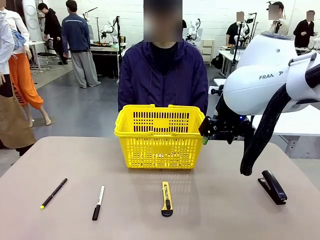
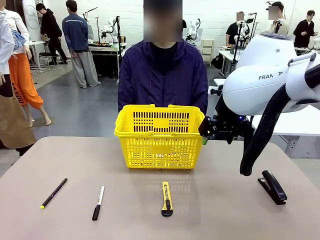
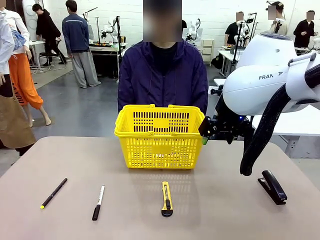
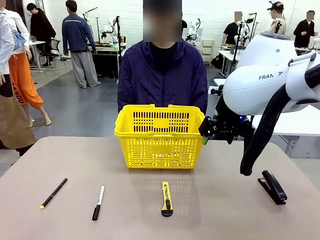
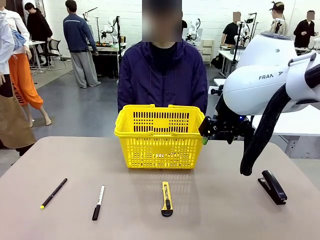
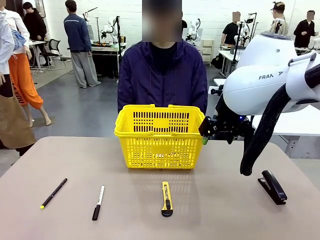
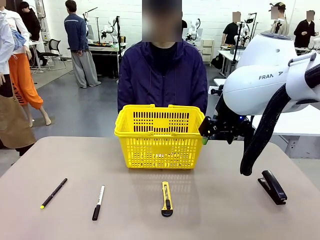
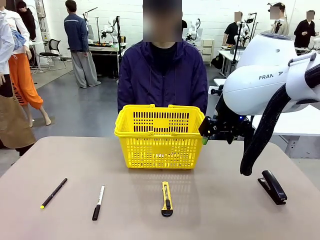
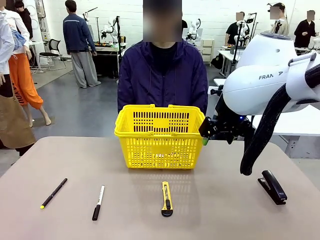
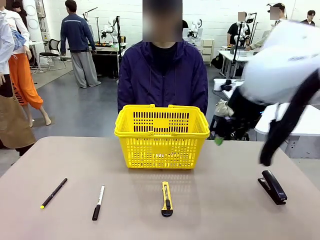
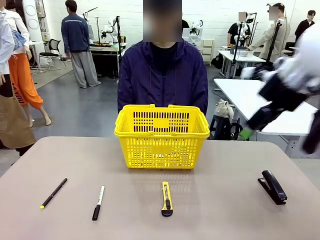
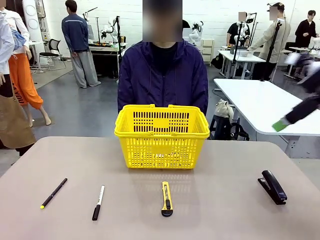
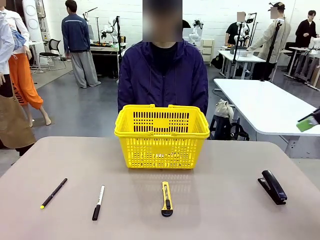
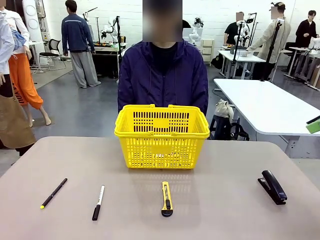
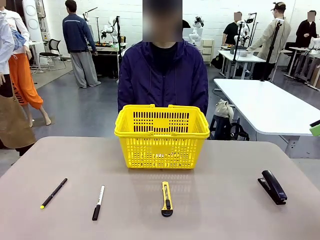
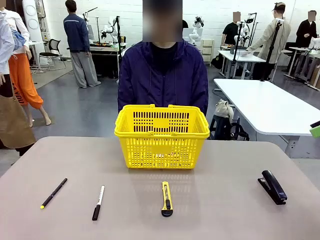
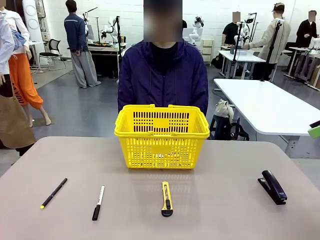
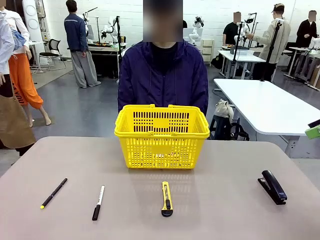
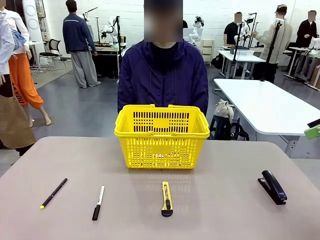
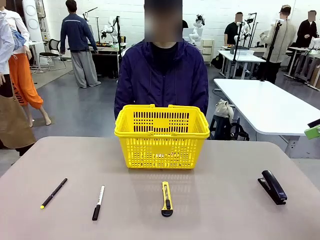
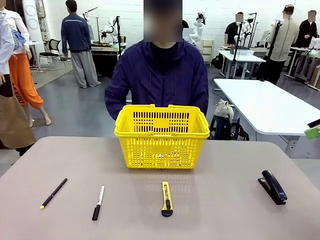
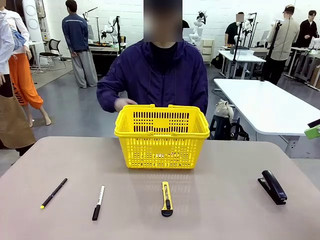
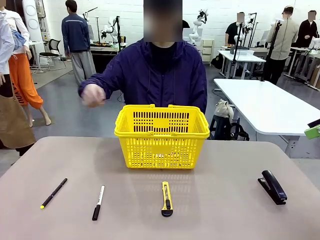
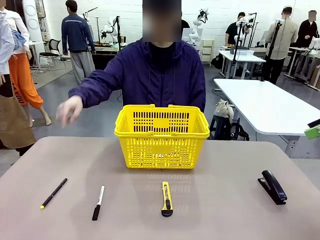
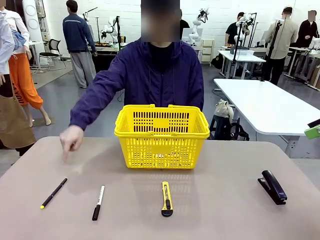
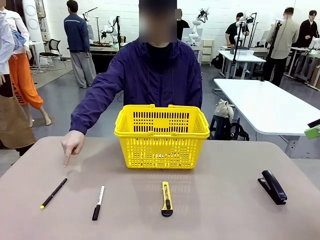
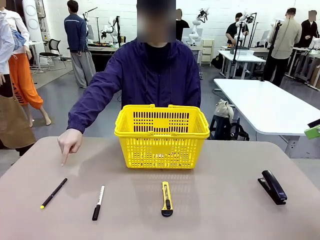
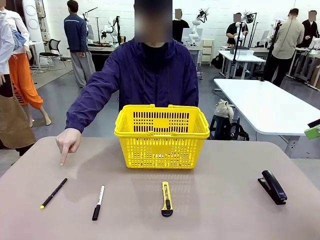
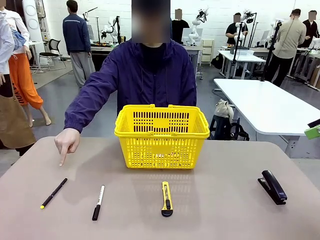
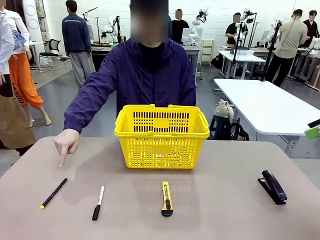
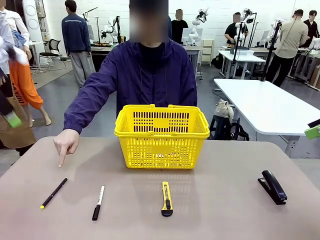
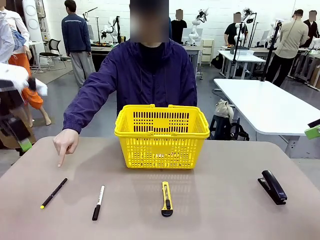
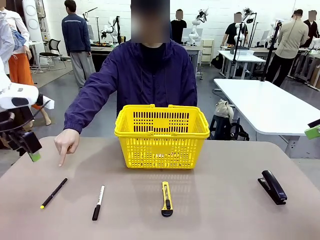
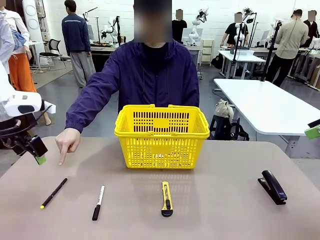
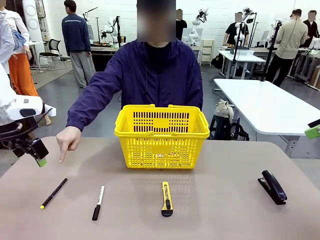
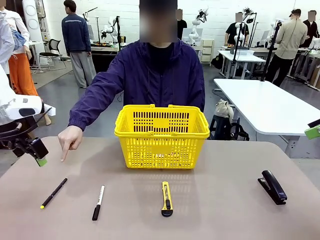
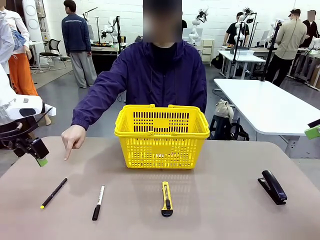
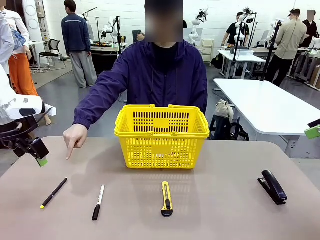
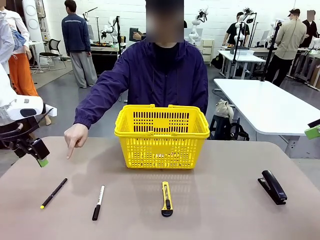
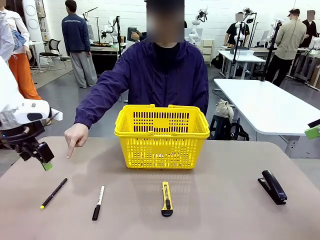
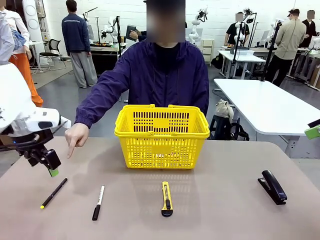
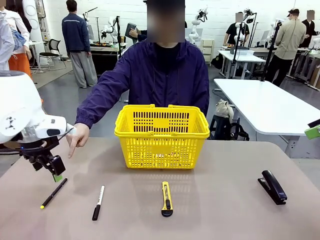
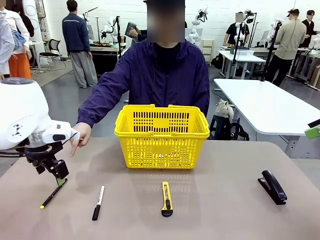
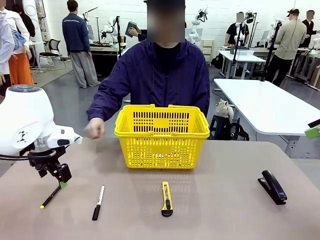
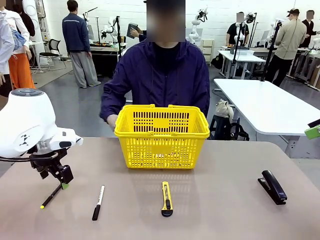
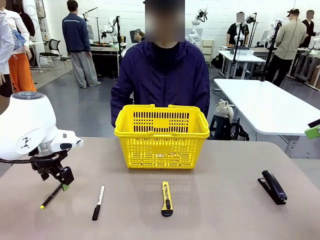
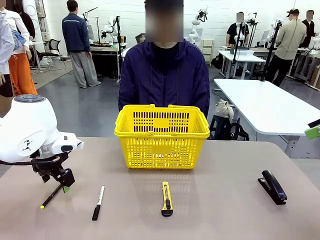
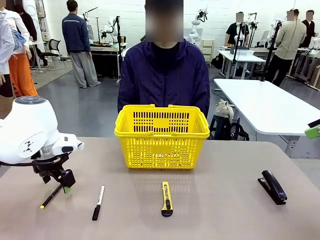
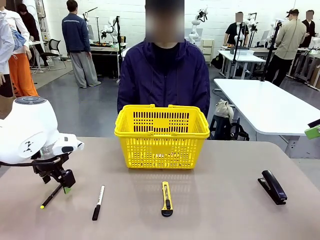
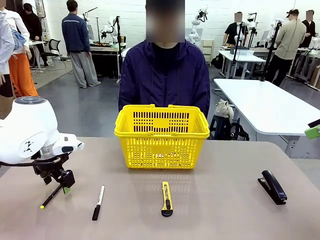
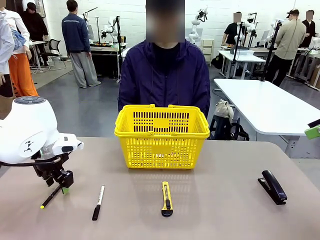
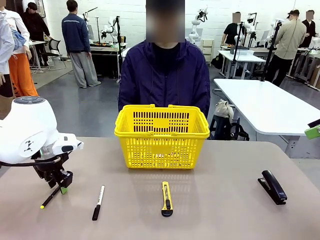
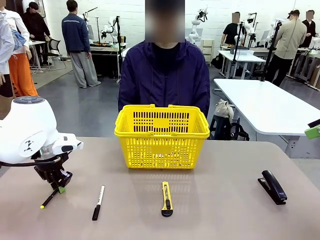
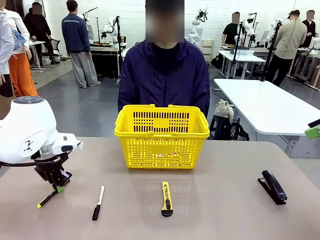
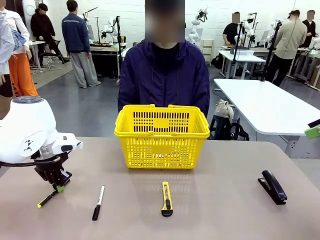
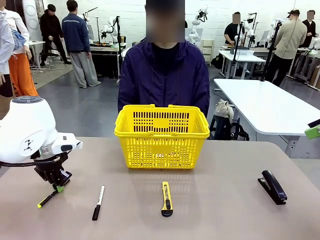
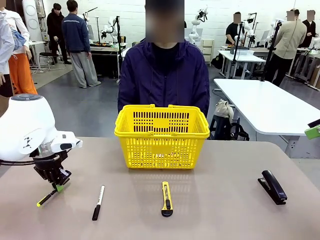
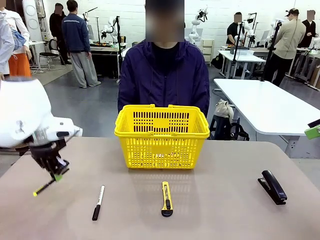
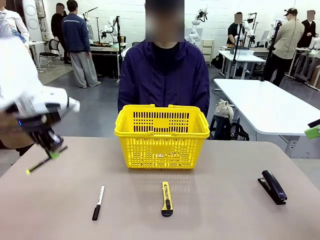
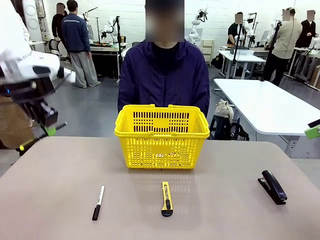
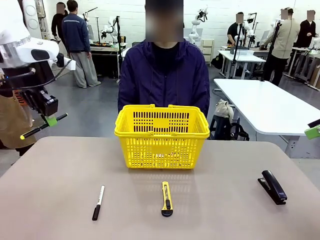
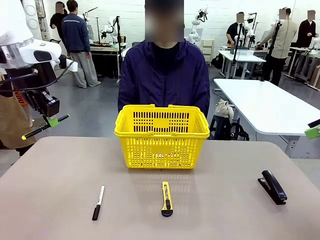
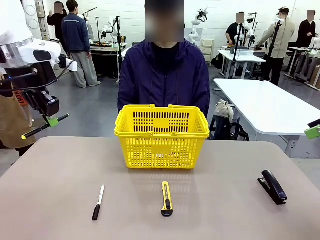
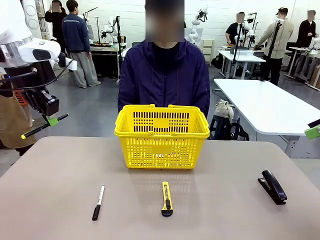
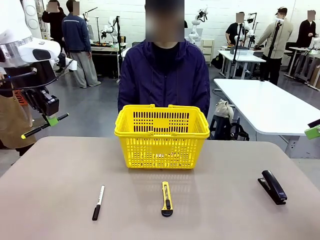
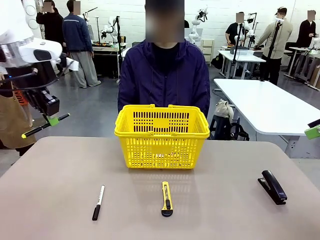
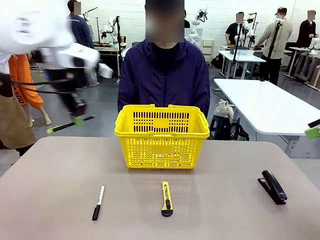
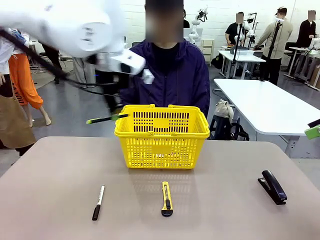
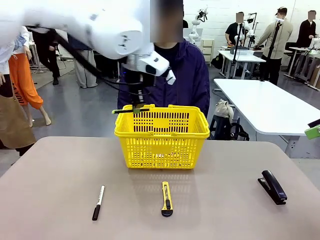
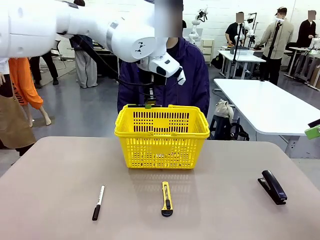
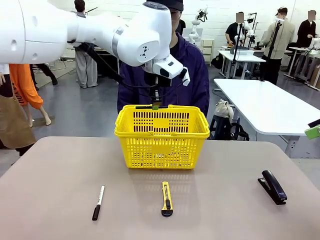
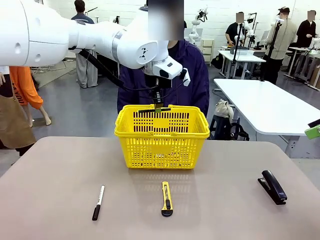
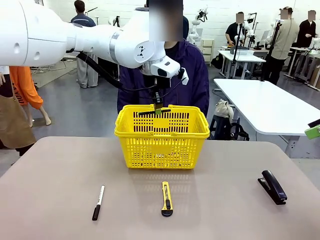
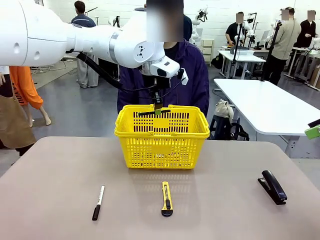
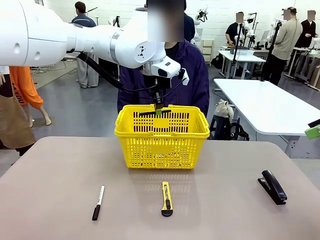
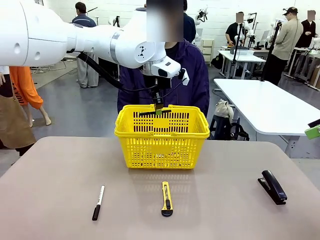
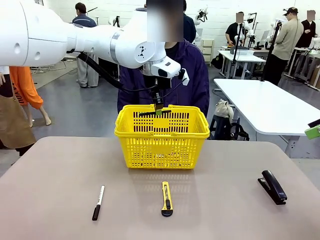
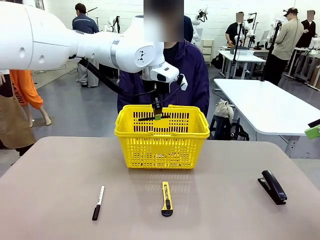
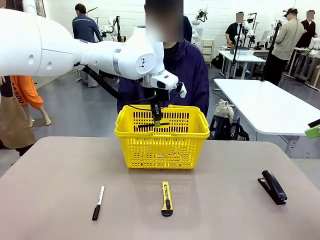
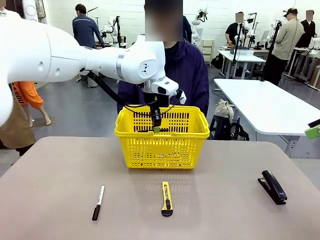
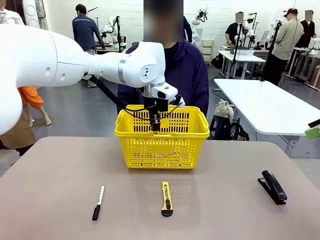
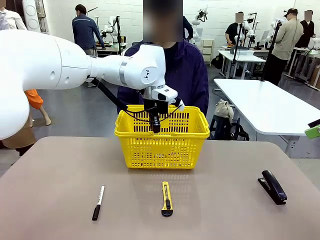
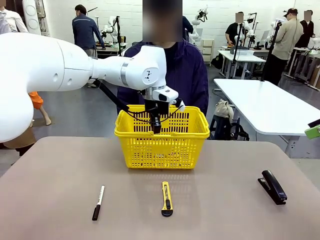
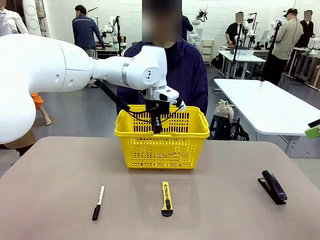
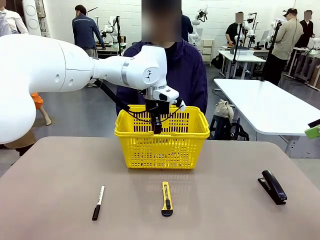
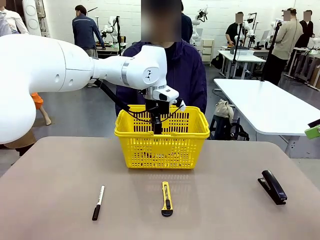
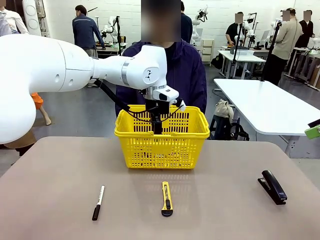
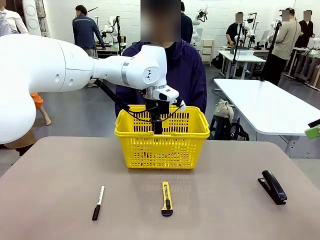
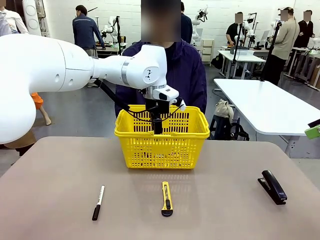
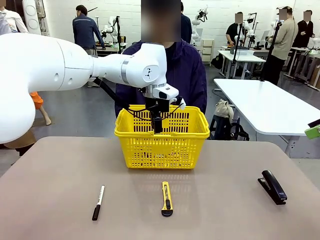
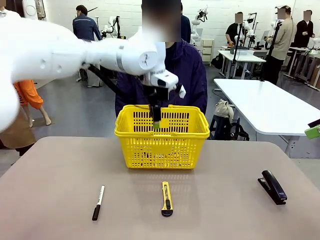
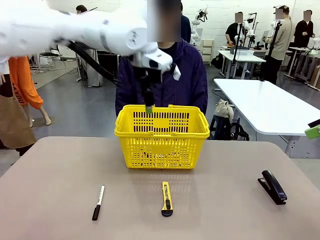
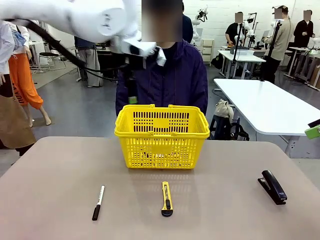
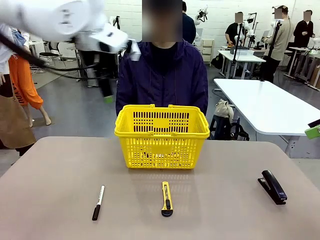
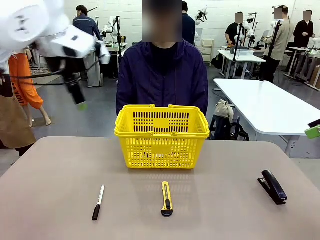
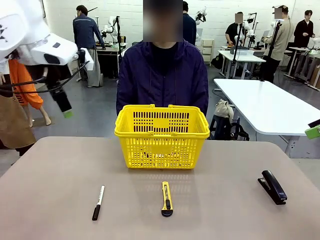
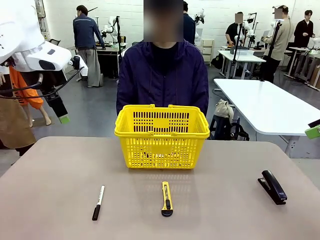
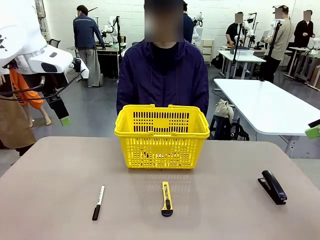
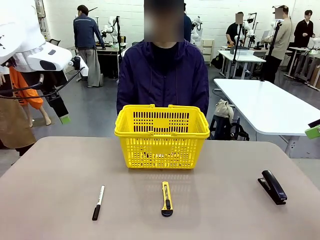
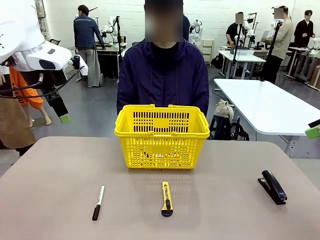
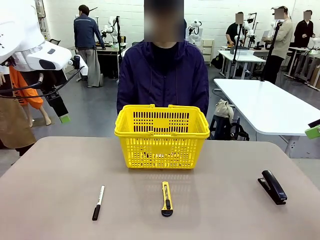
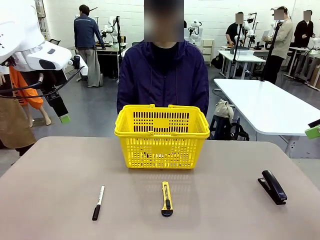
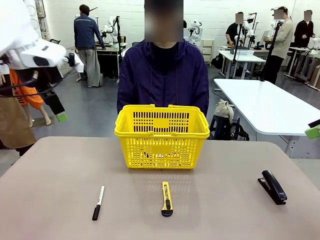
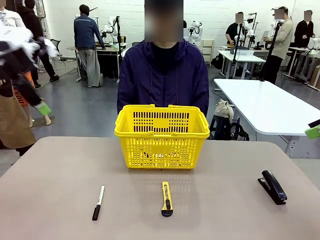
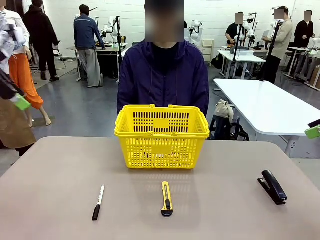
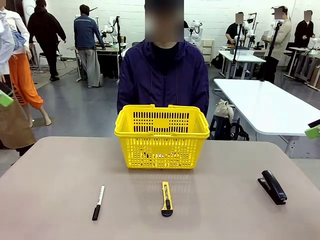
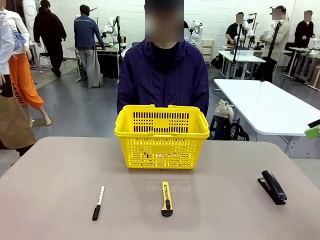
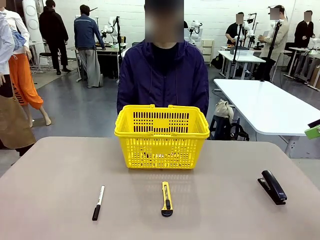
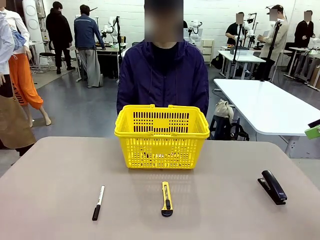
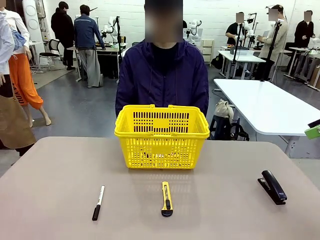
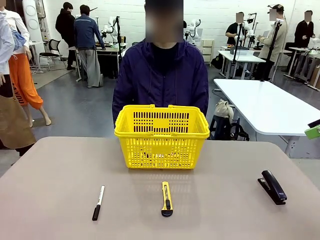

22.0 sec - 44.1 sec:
Task: Place the items the person wants into the basket.
Robot: Pick up the item the person points to and place it in the Market Basket.
